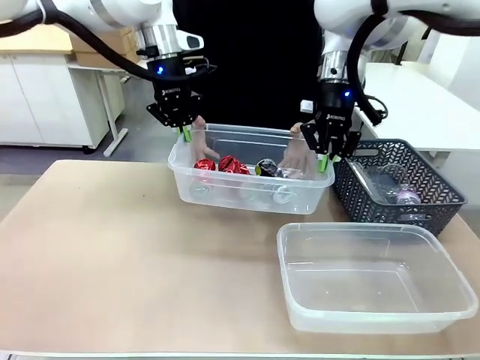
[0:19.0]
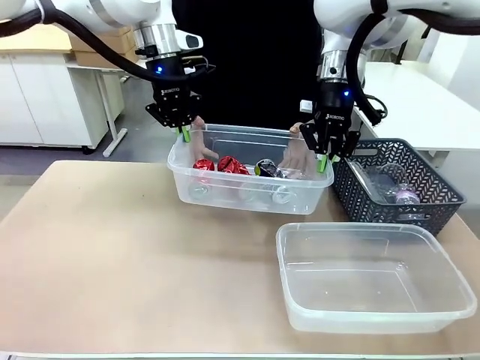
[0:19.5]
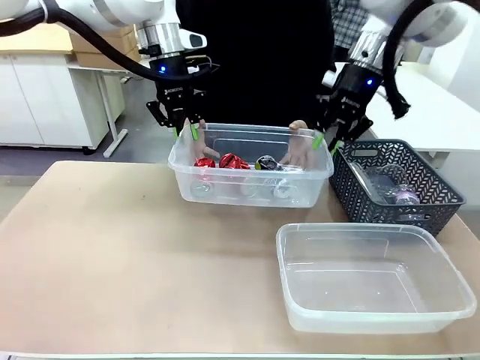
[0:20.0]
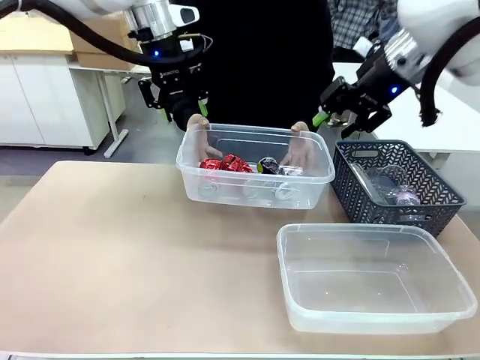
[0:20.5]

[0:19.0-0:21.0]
Robot: Release the Organizing box you were holding.

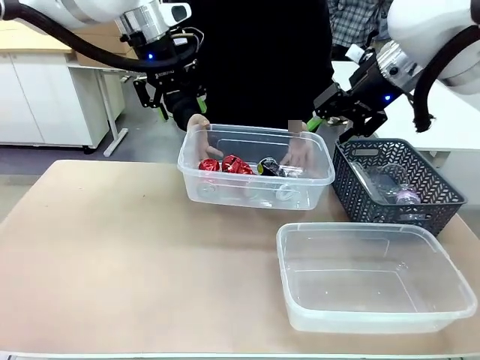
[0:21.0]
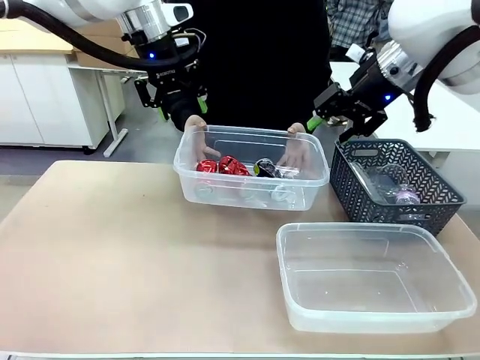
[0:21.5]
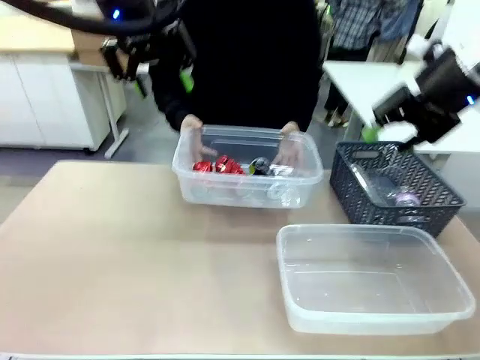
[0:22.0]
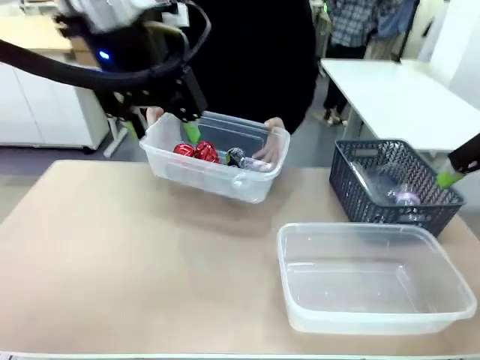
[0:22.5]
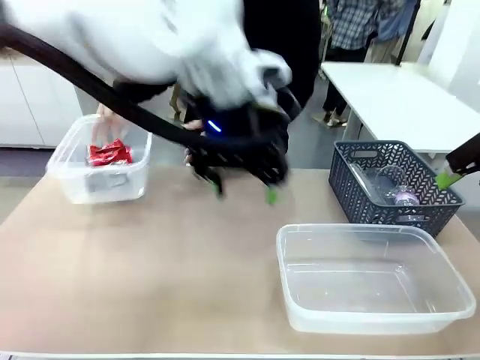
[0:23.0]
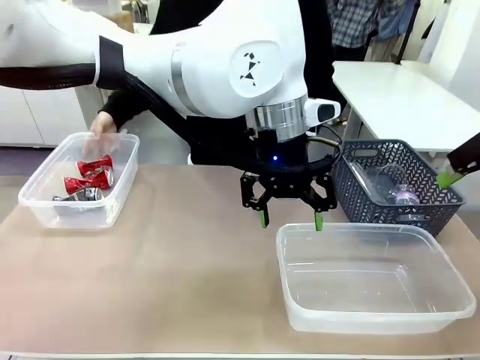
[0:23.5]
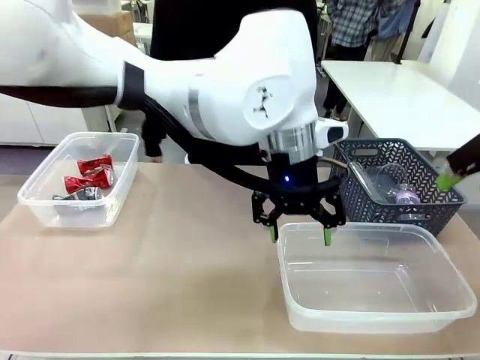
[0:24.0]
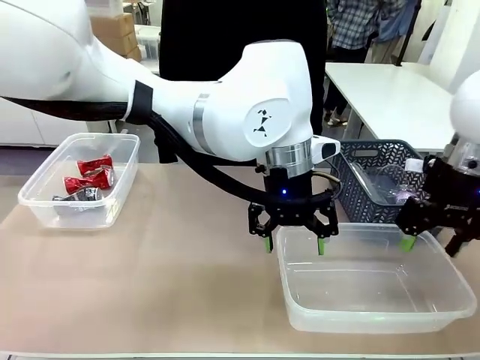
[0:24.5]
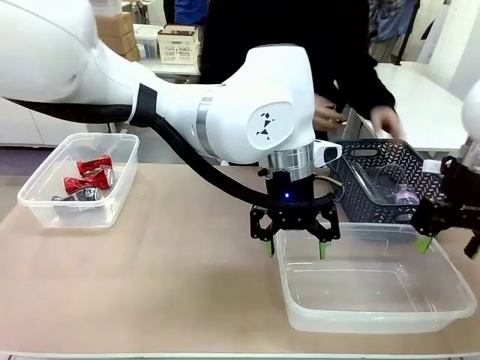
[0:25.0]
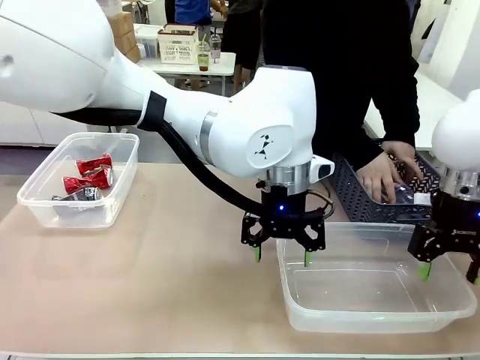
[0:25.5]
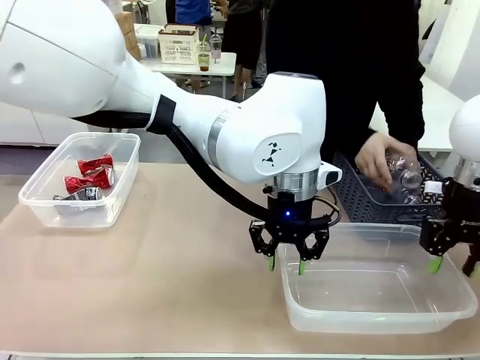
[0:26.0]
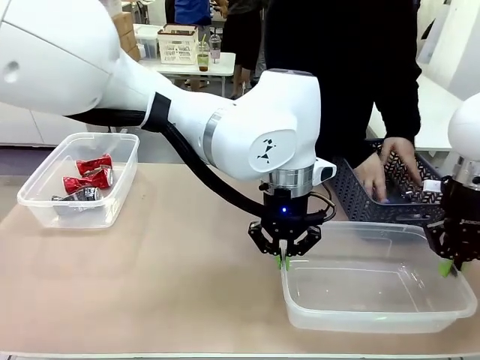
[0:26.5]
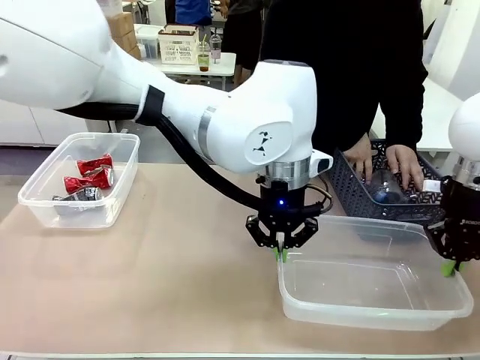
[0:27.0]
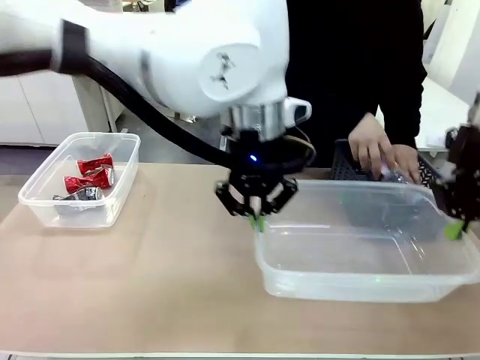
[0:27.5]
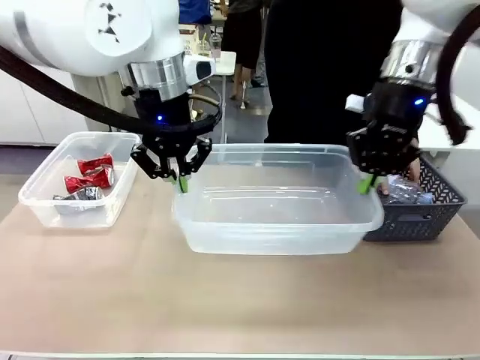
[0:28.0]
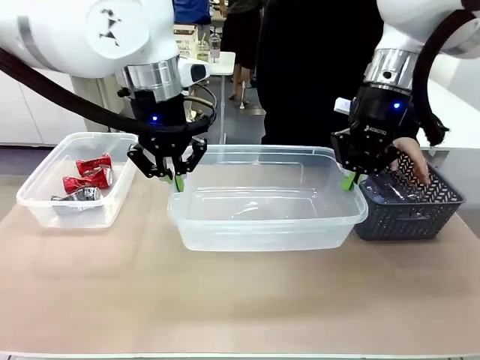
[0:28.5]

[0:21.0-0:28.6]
Robot: Pick up the Organizing box on the right side of the table and lift it.
Person: Place it at the edge of the bottom right area of the robot table.

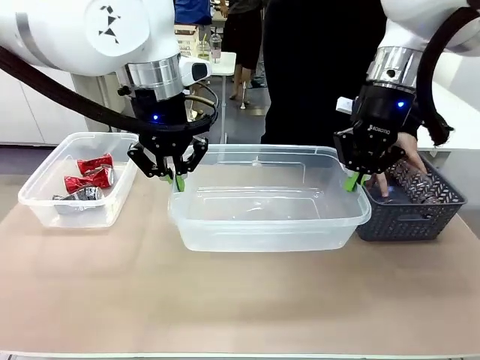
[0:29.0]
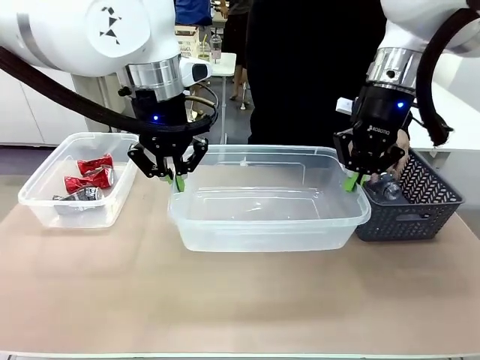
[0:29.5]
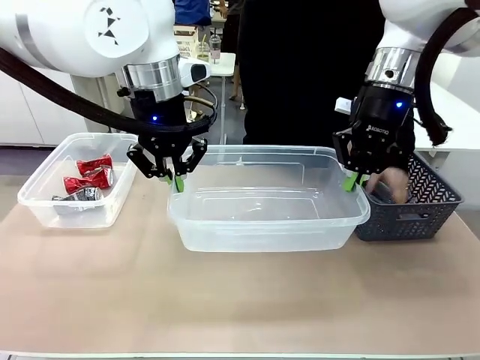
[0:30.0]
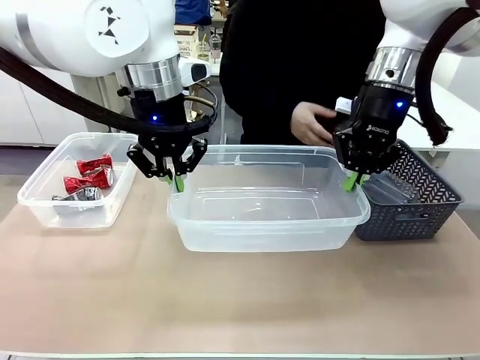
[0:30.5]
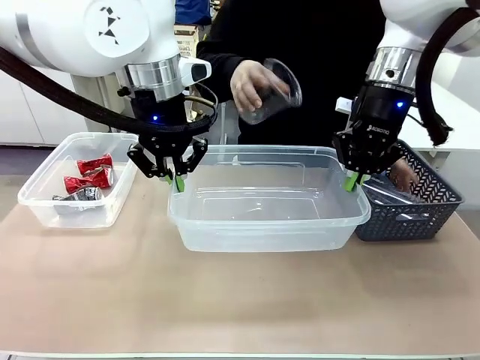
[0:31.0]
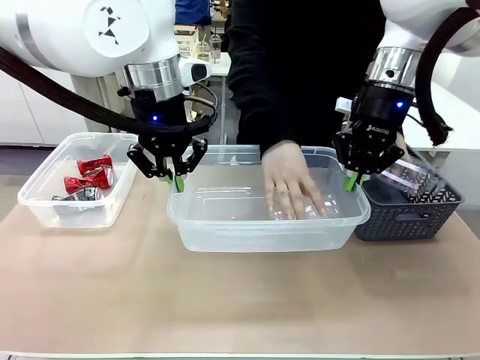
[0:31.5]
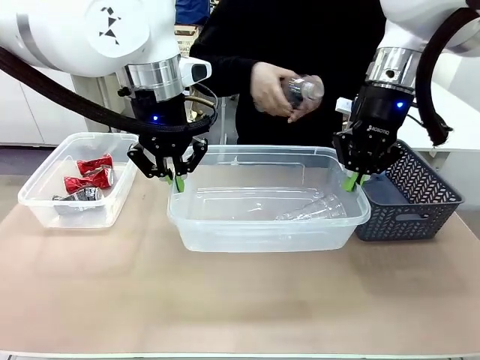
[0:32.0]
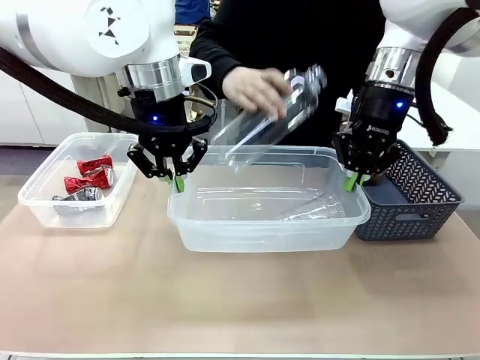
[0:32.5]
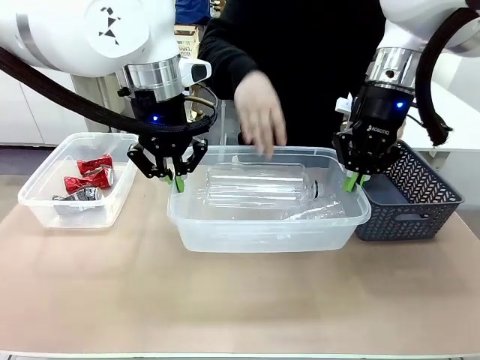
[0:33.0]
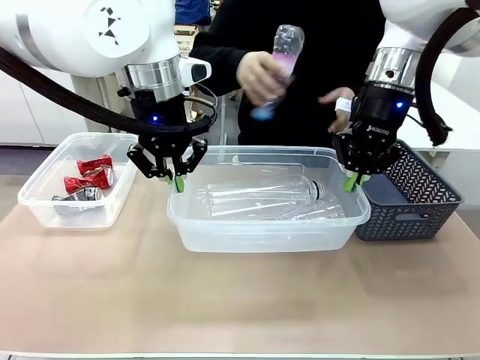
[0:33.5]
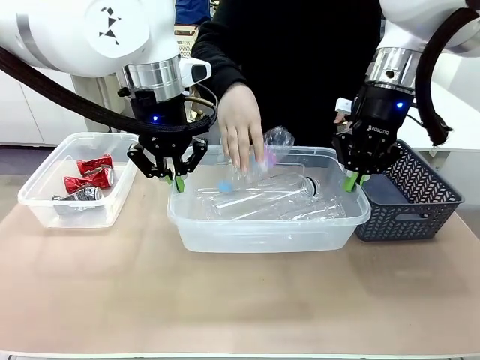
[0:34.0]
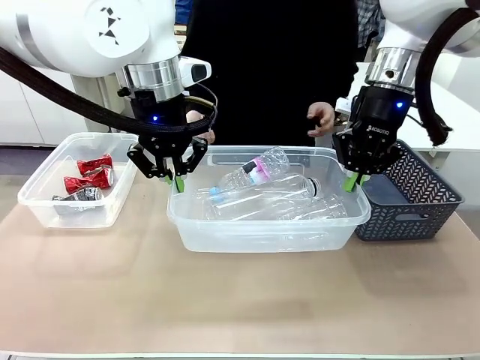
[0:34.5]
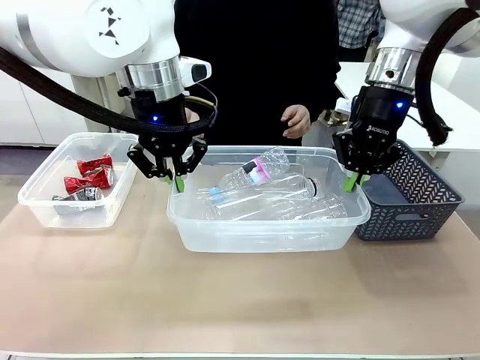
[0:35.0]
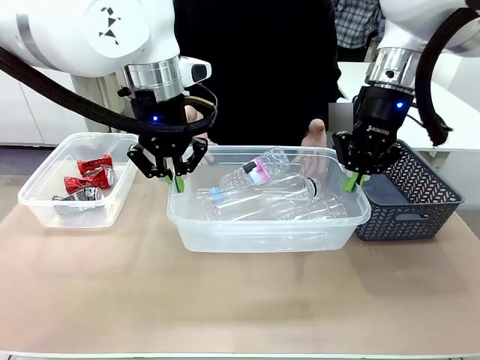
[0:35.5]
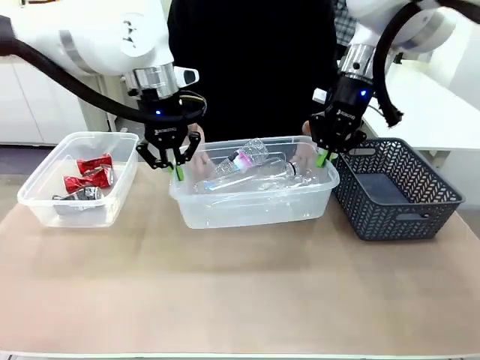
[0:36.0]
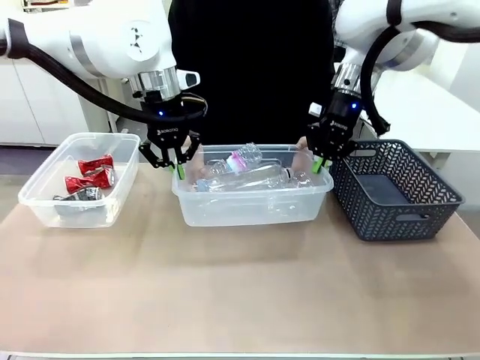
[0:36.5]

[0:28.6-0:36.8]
Robot: Offer the picked Organizing box to the human.
Person: Pick up plastic waste one by one and place it into the organizing box lifted by the robot.

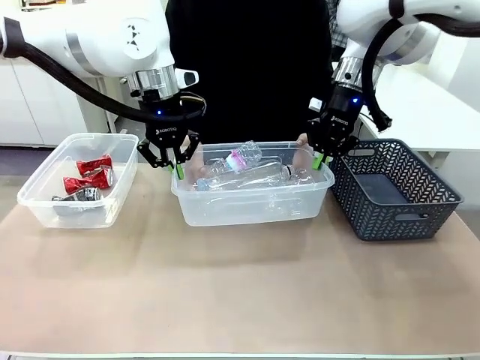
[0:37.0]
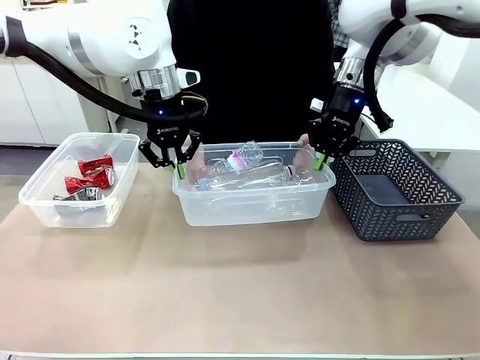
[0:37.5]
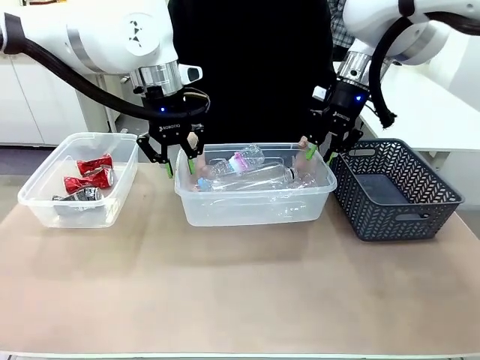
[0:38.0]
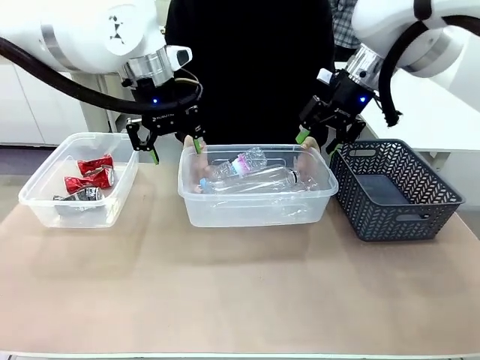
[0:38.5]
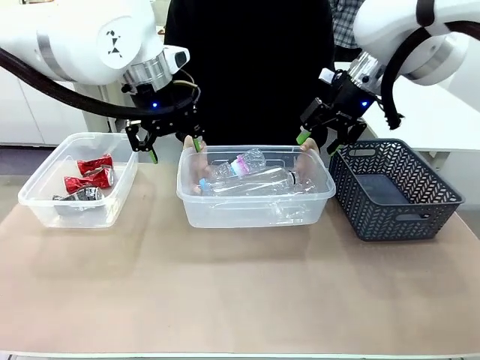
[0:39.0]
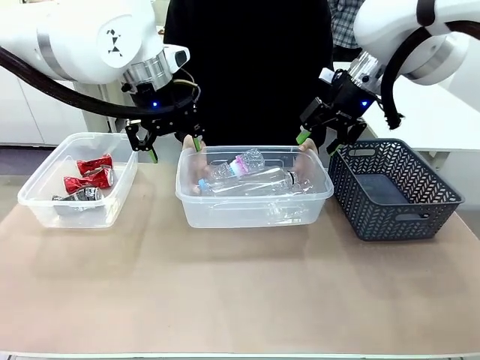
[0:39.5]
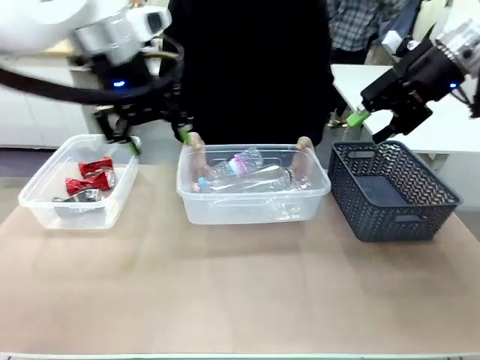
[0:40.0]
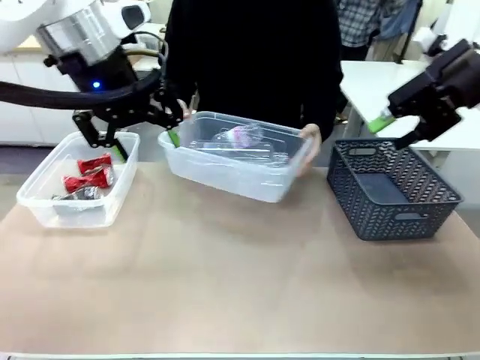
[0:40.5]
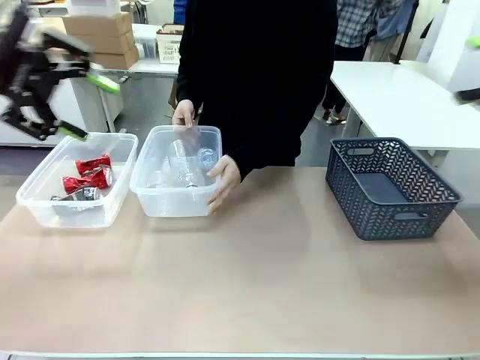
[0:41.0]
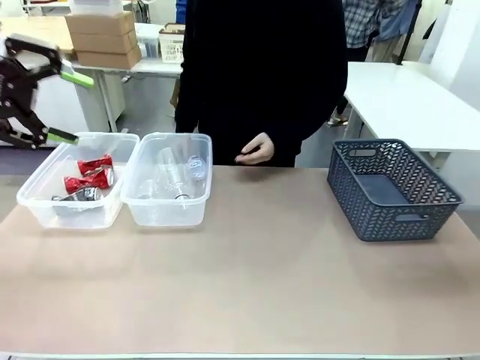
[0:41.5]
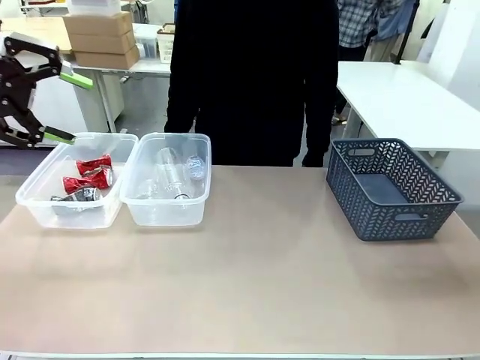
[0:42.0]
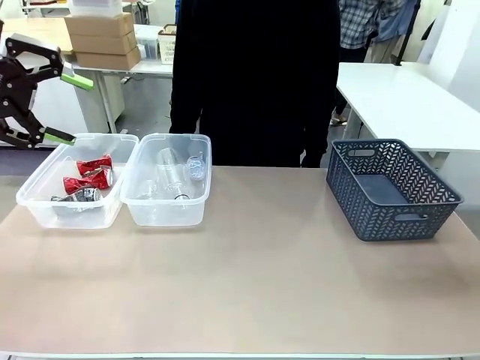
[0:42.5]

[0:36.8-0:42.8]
Robot: Release the Organizing box you were holding.
Person: Pick up the organizing box extended by the robot. Place the organizing box to the left of the sorting box containing the can waste.

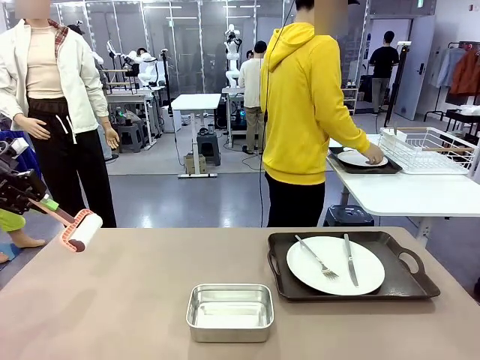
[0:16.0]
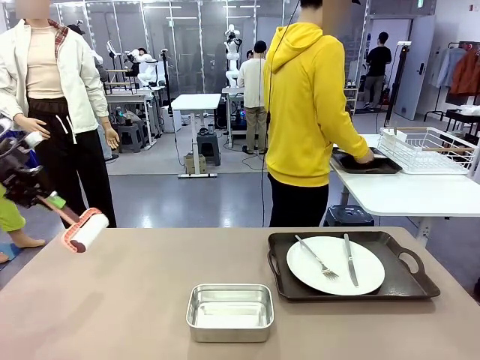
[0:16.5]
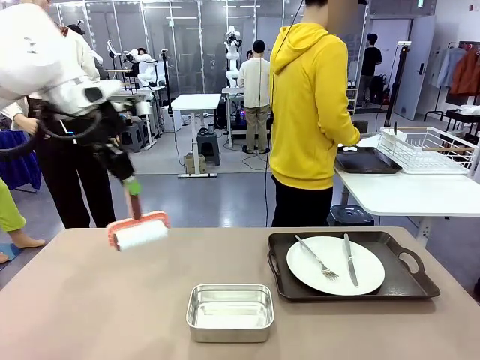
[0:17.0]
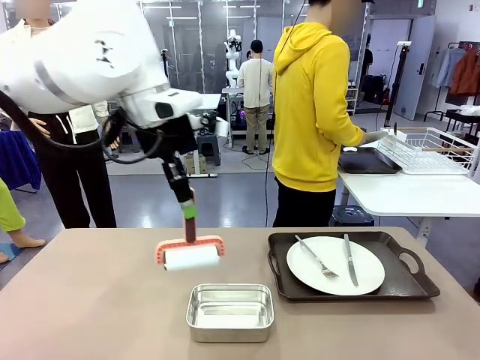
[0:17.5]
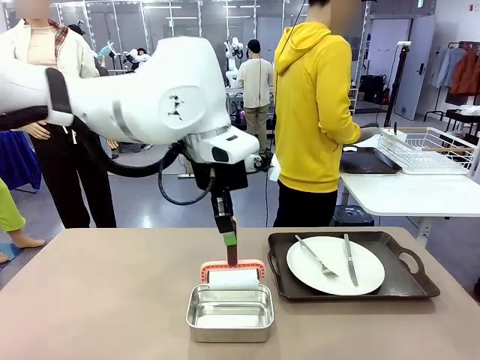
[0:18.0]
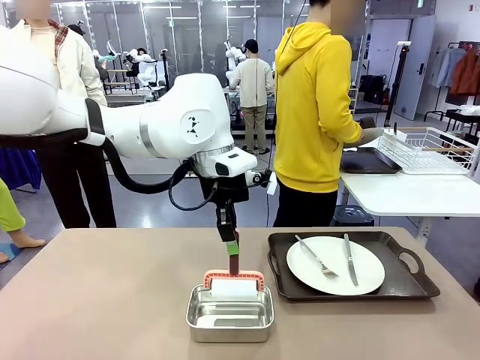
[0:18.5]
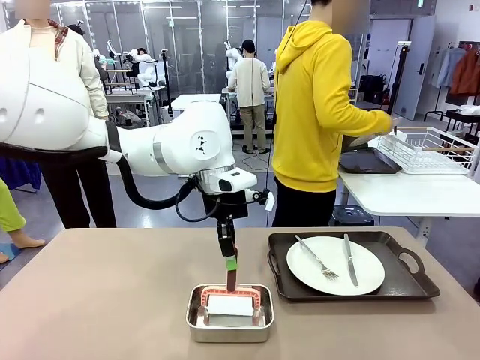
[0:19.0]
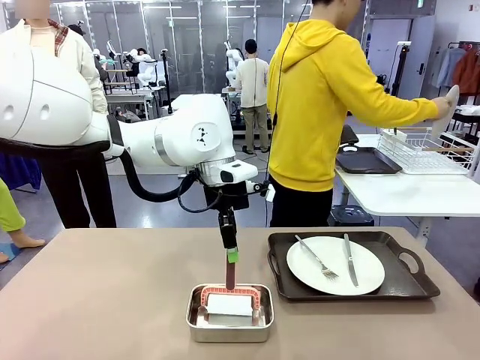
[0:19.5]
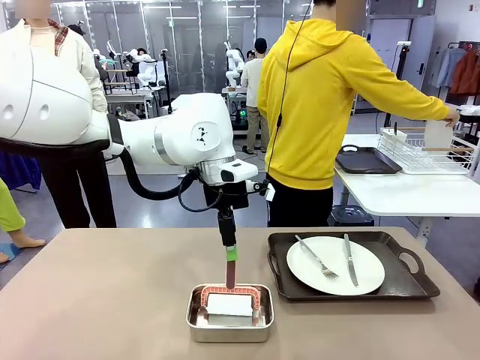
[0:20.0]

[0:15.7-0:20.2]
Robot: Place the Lint Roller back on top of the Airtight Container.
